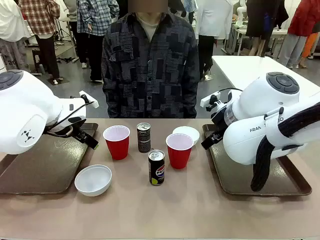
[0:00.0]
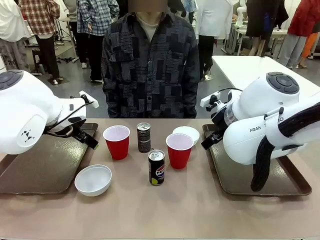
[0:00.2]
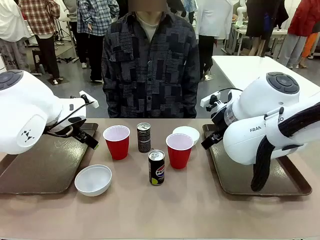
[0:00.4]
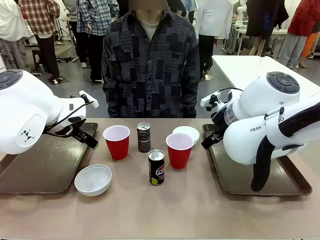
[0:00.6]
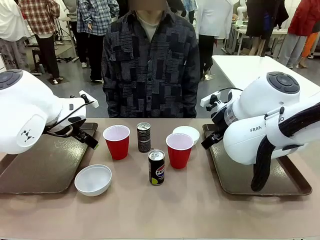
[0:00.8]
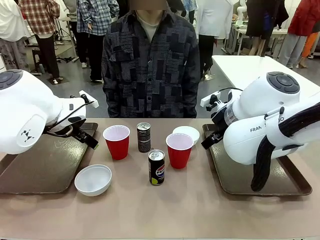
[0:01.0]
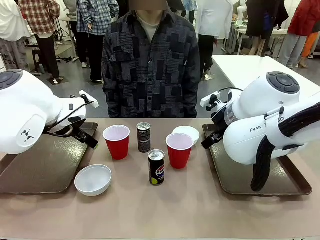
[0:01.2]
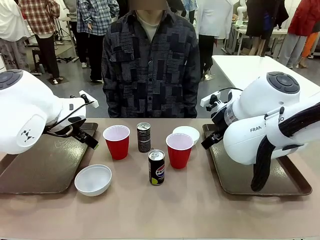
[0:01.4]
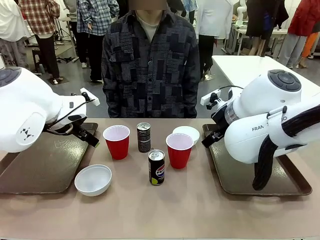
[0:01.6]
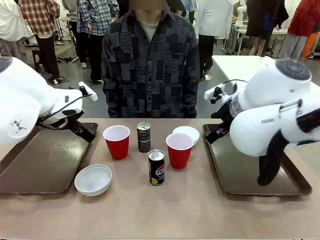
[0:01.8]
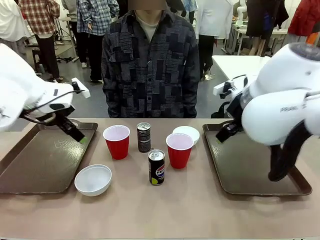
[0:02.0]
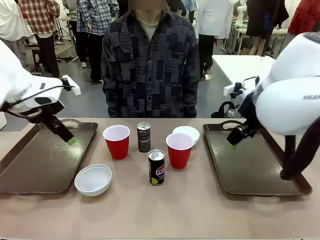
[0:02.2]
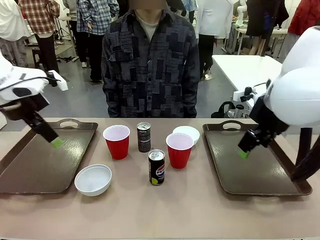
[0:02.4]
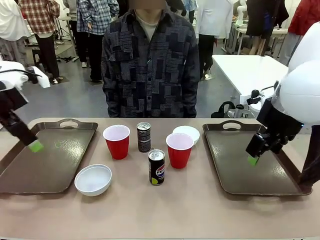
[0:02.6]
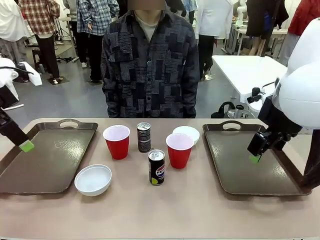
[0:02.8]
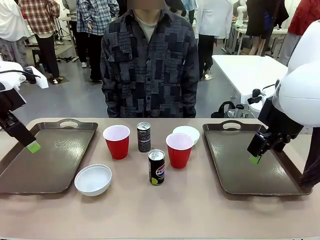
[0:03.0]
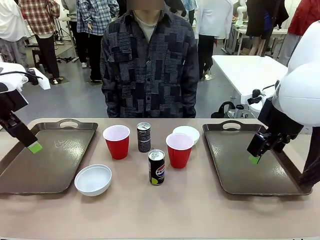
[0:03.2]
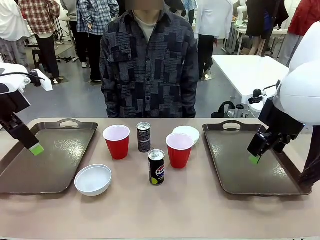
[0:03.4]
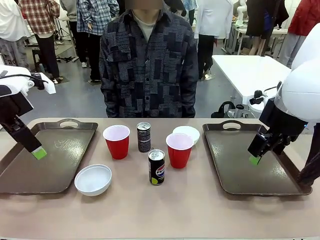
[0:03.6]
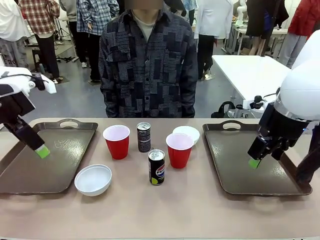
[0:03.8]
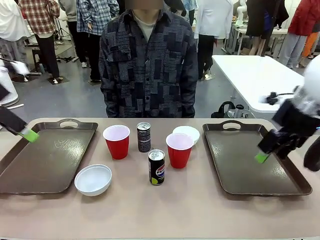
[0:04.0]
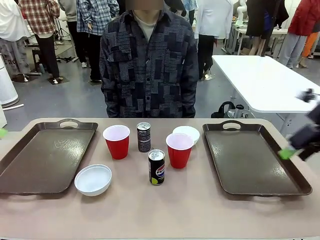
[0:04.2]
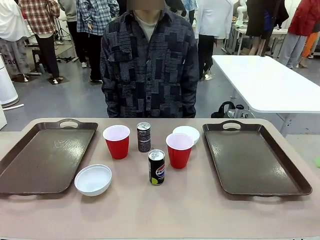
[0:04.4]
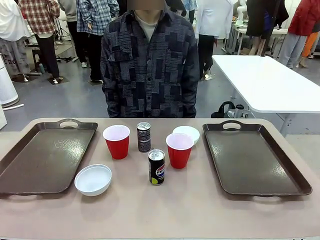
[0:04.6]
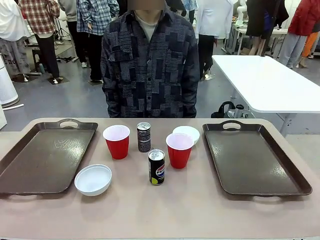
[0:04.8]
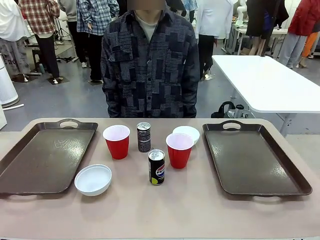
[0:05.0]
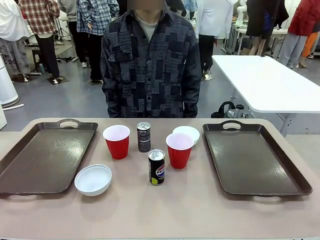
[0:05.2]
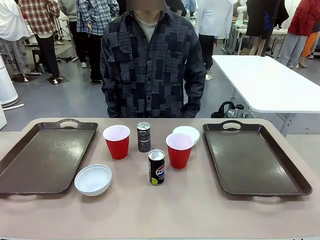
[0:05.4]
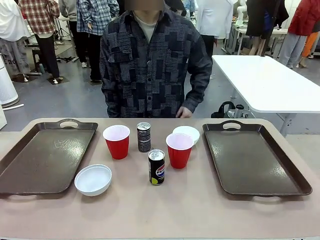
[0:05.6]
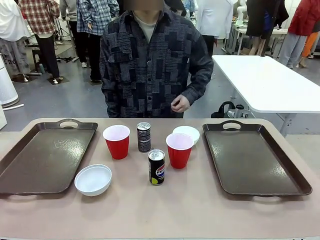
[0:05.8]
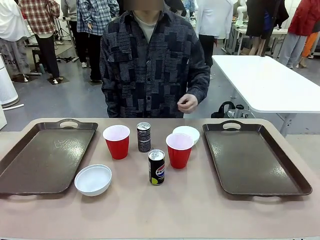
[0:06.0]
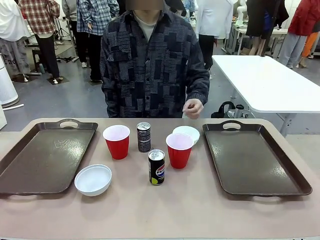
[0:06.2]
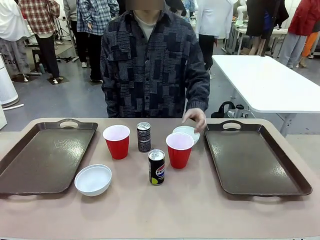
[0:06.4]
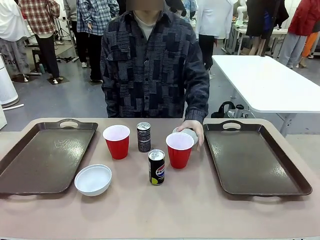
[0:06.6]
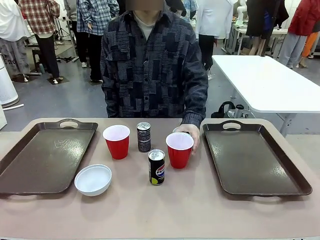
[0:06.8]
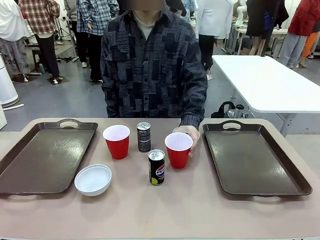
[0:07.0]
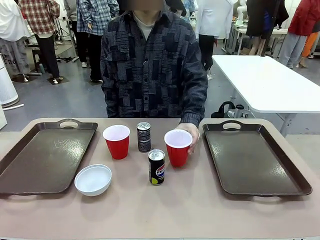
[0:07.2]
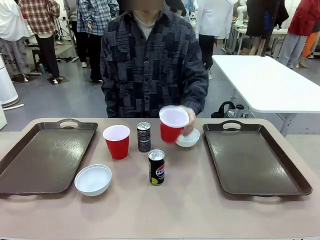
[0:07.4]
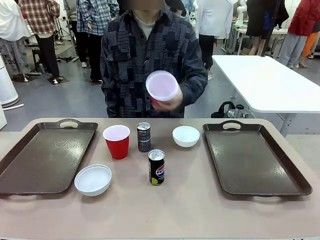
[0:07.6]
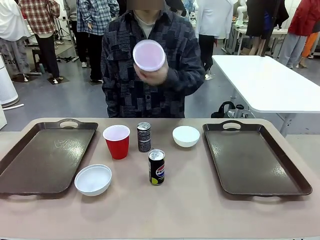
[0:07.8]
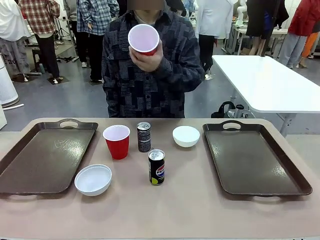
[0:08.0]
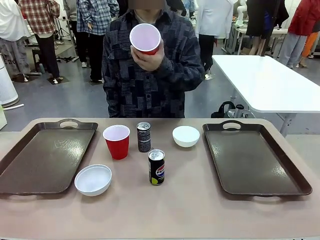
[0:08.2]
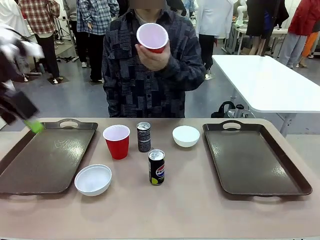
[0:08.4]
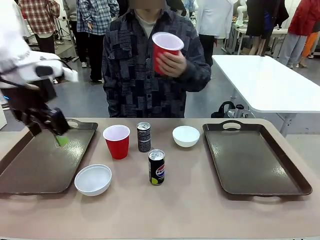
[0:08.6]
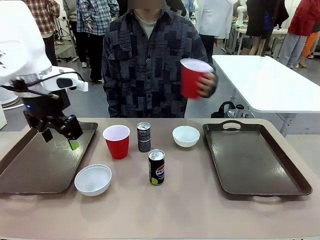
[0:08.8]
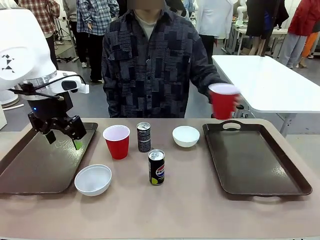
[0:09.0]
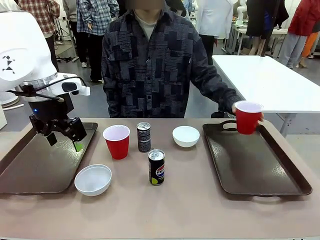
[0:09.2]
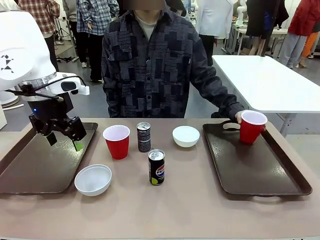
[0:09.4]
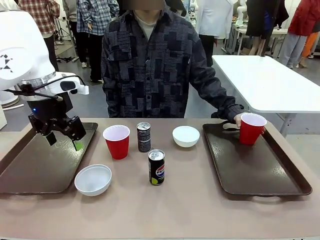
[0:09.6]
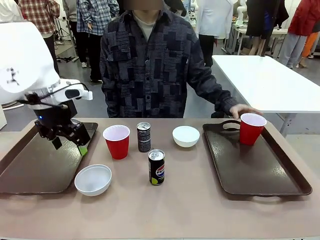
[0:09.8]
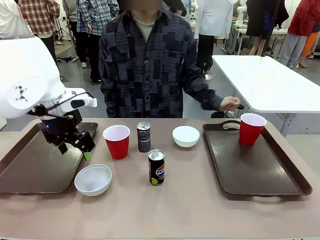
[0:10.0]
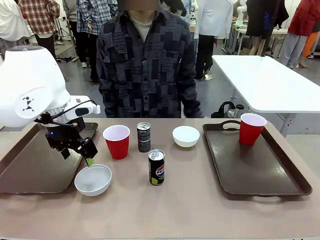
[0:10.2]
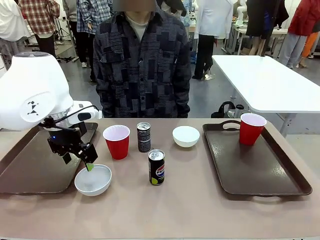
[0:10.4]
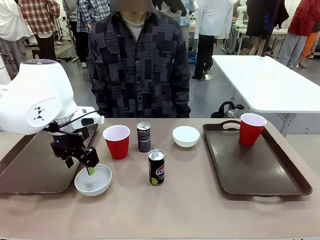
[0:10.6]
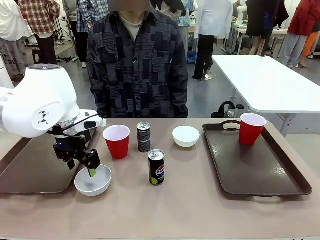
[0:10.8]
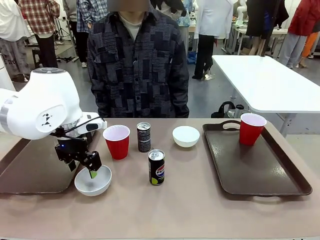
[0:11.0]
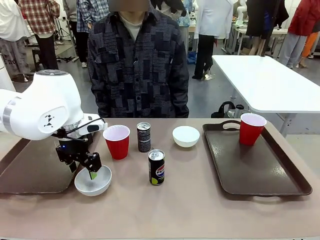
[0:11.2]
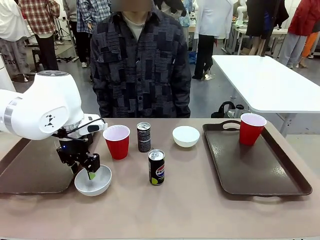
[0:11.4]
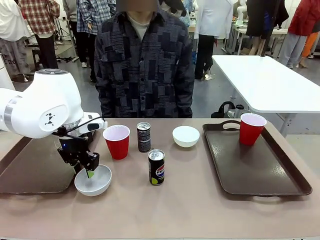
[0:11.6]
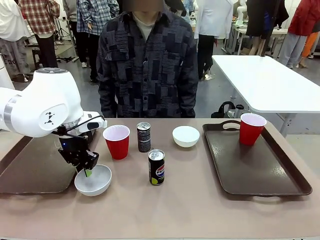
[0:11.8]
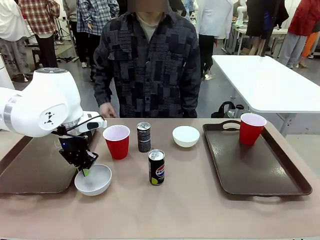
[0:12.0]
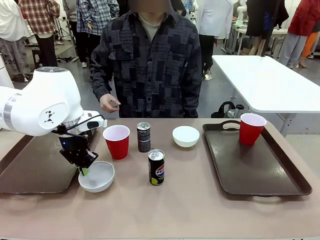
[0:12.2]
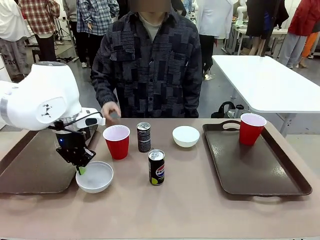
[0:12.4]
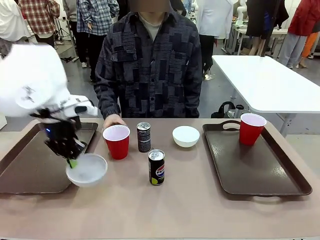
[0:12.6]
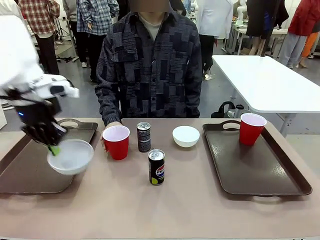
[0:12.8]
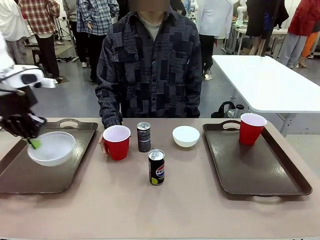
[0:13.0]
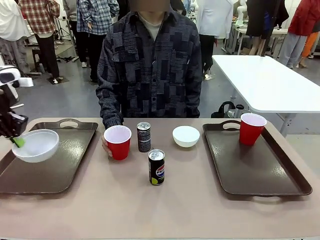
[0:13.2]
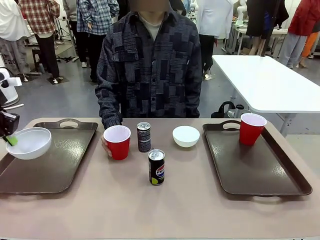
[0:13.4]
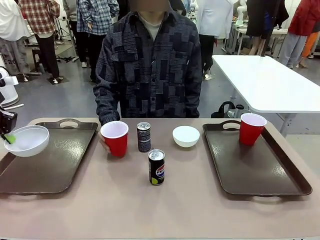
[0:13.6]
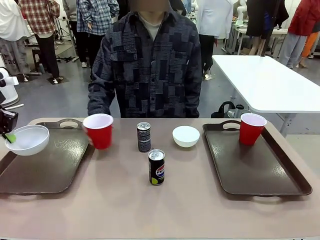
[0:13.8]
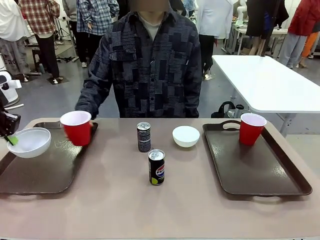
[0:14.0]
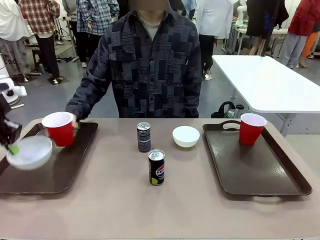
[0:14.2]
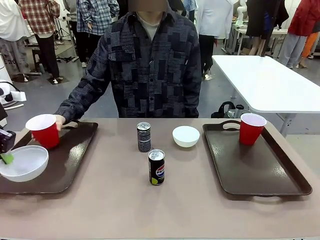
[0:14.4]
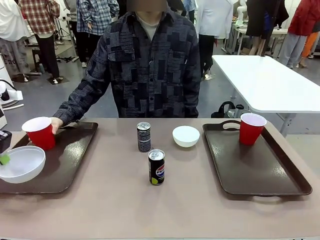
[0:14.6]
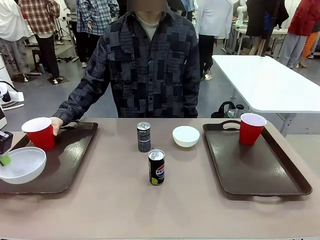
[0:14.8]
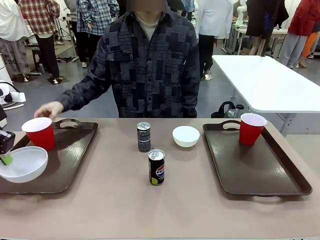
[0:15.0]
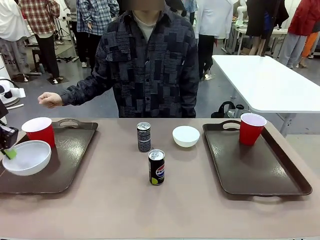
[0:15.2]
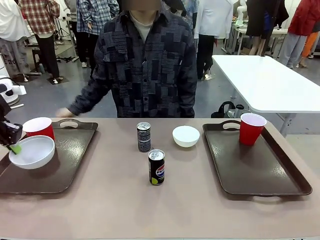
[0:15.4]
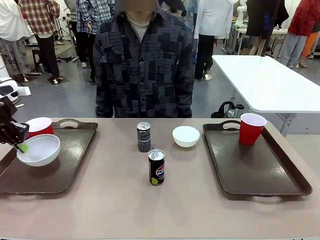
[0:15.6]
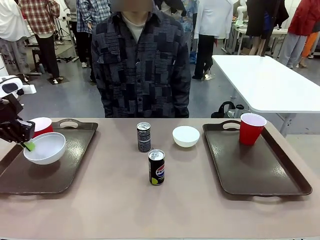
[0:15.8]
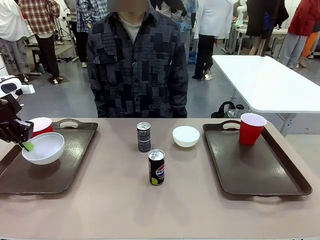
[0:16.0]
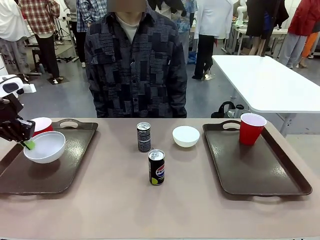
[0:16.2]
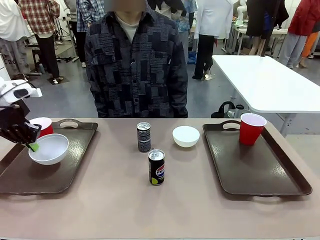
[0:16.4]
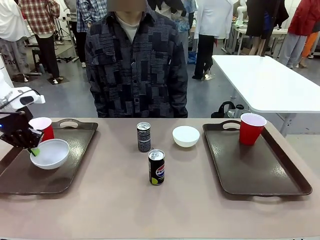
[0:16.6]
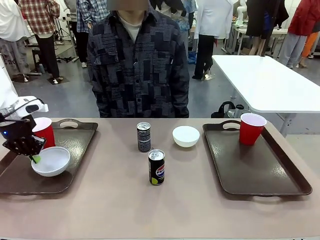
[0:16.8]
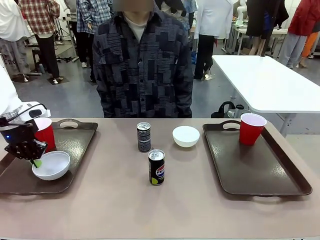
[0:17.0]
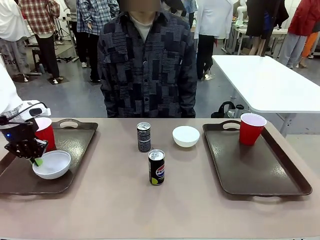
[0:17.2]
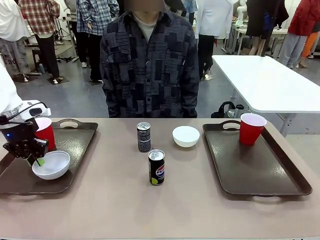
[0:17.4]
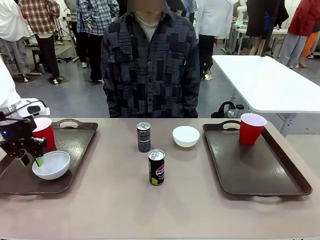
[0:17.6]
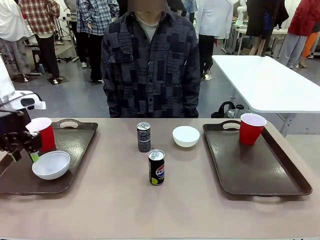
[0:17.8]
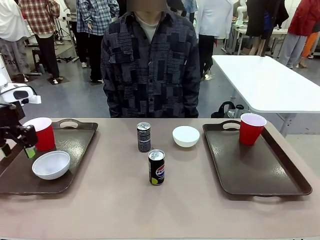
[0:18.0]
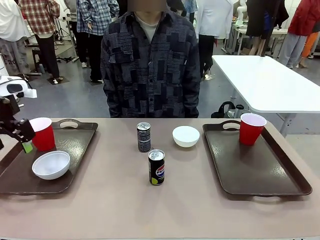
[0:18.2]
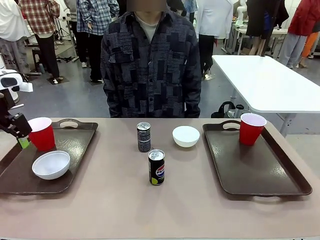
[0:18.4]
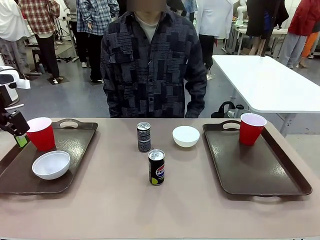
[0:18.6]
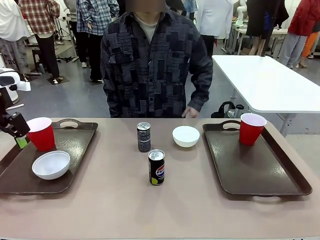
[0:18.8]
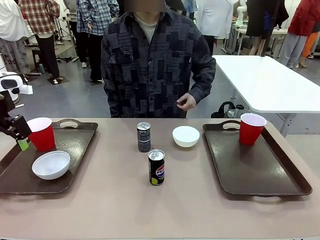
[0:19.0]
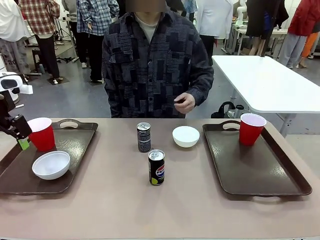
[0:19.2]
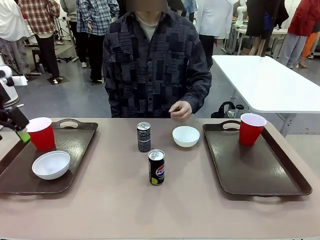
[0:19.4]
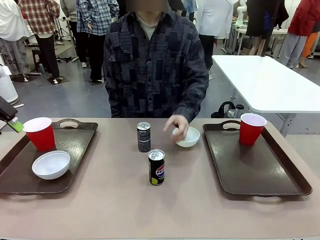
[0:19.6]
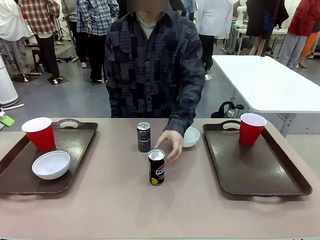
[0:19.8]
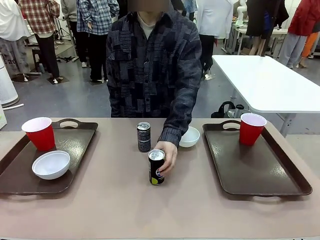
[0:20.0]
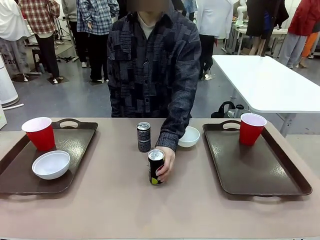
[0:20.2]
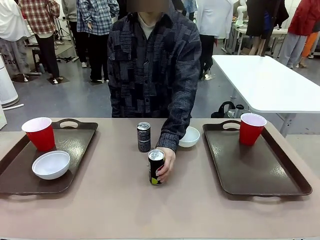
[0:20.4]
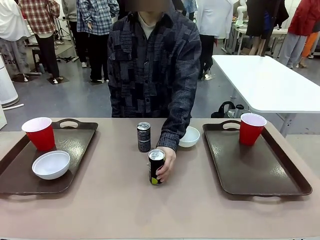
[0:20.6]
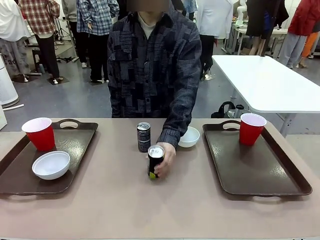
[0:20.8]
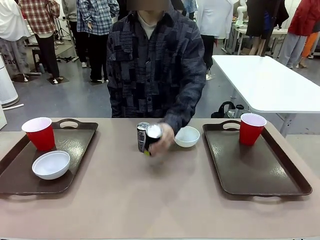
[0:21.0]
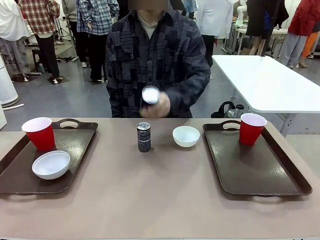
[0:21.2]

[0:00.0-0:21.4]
Task: Prepare tableware on both trays.
Robot: Pick up a Picnic Bowl from the table and place it on a Handle tray.
Person: Pick up a can or cup and place it on the tray.
